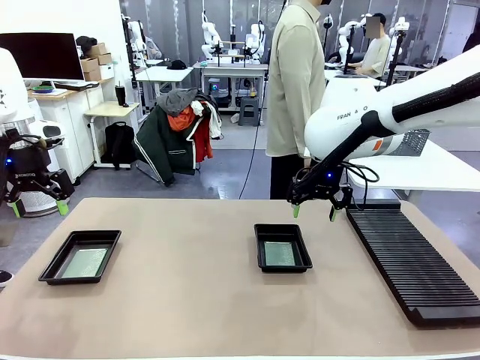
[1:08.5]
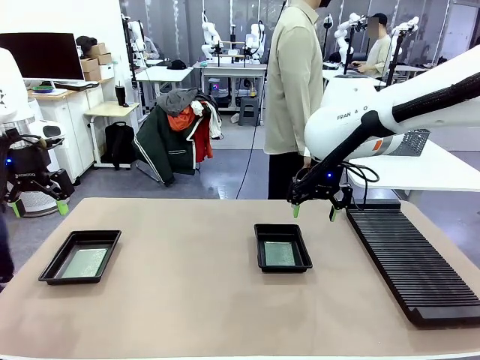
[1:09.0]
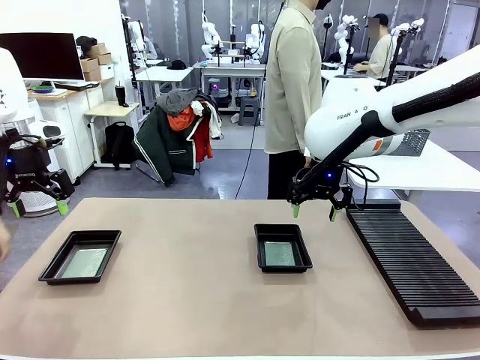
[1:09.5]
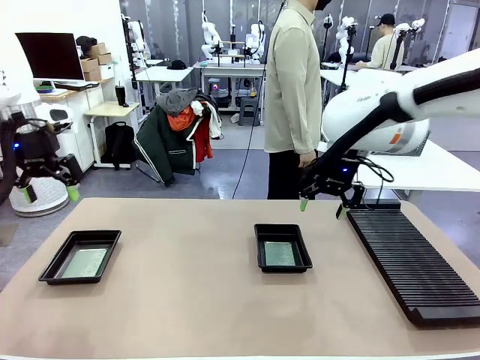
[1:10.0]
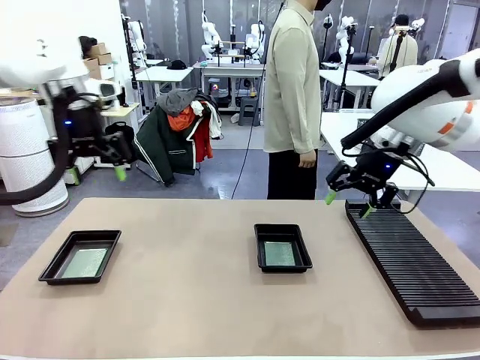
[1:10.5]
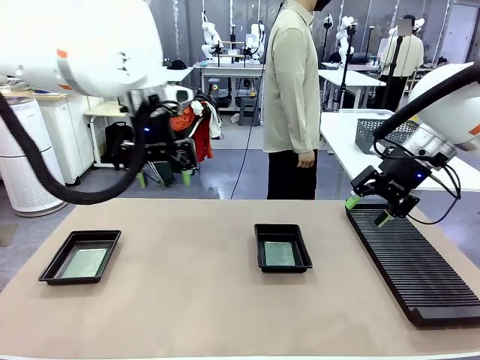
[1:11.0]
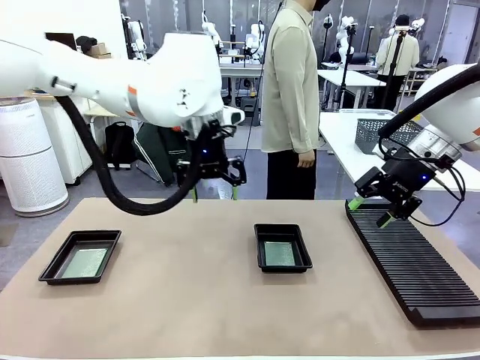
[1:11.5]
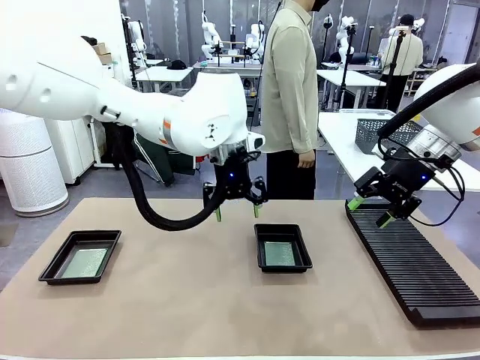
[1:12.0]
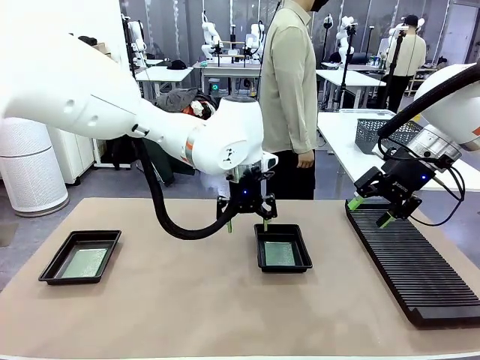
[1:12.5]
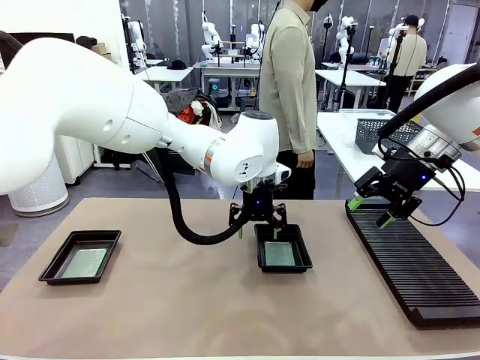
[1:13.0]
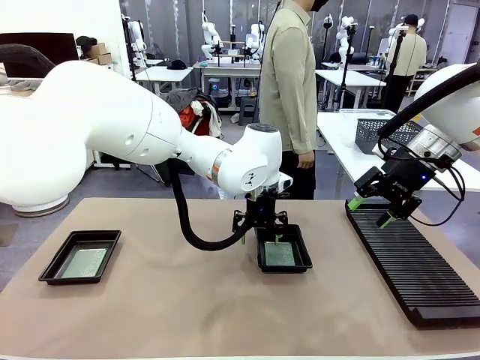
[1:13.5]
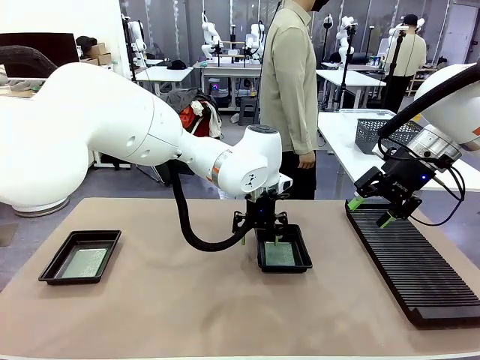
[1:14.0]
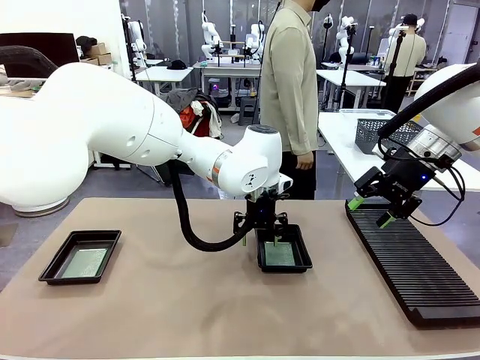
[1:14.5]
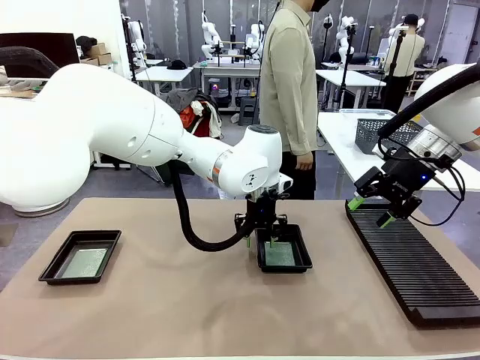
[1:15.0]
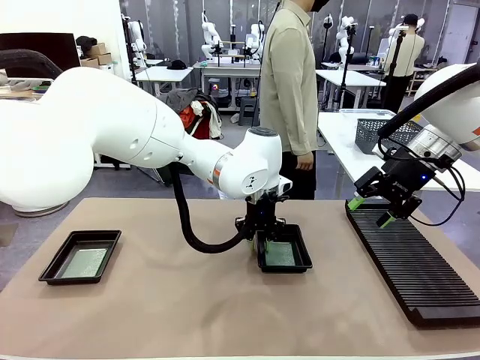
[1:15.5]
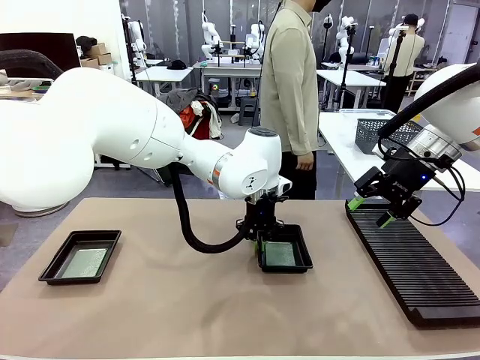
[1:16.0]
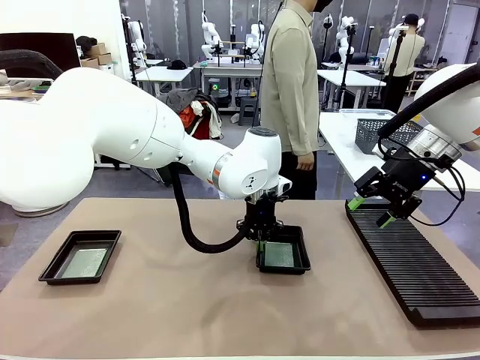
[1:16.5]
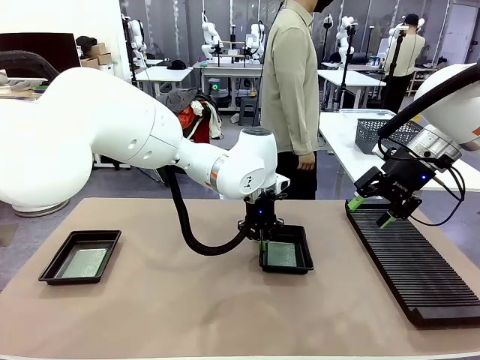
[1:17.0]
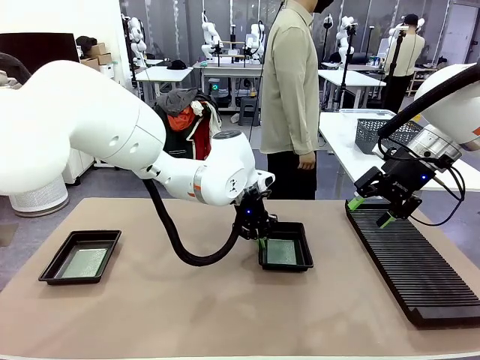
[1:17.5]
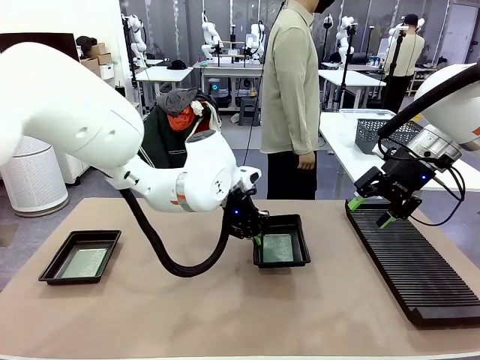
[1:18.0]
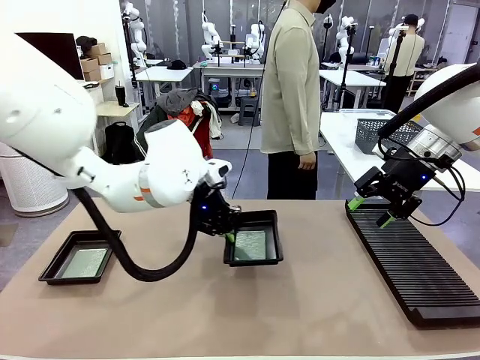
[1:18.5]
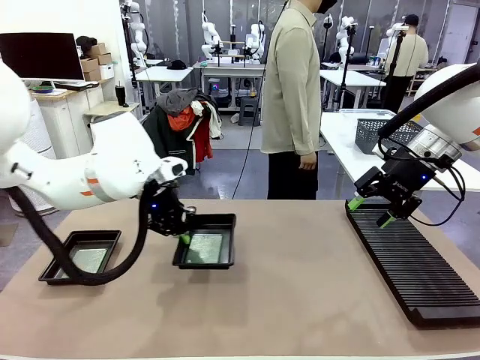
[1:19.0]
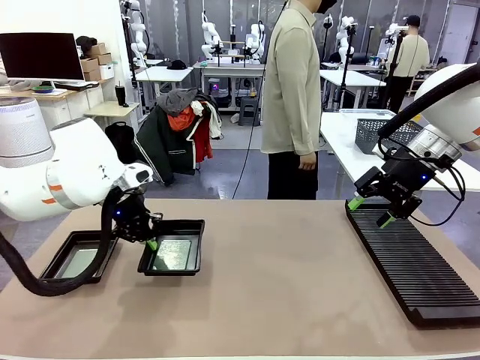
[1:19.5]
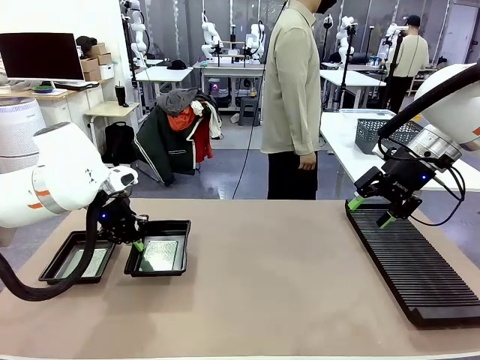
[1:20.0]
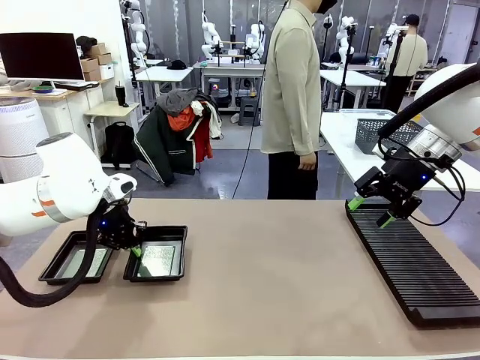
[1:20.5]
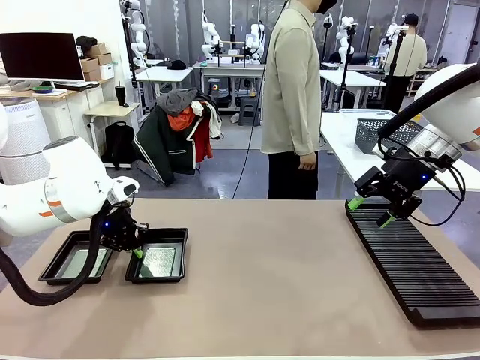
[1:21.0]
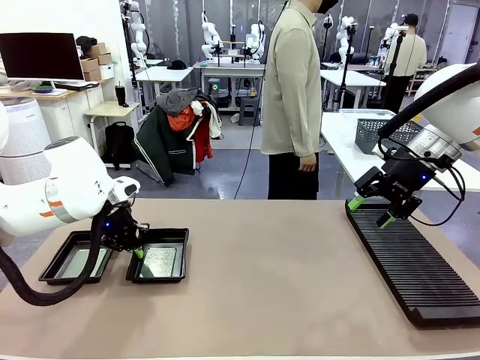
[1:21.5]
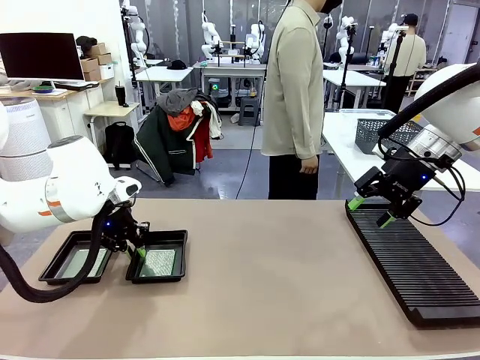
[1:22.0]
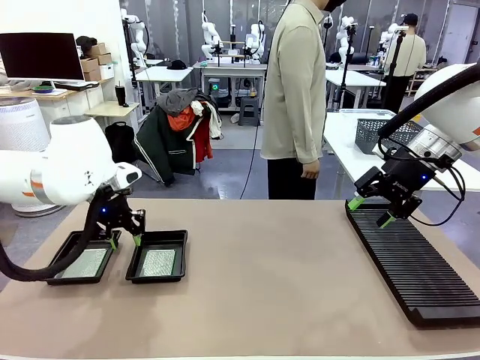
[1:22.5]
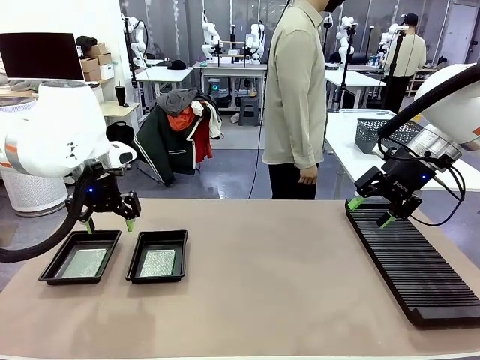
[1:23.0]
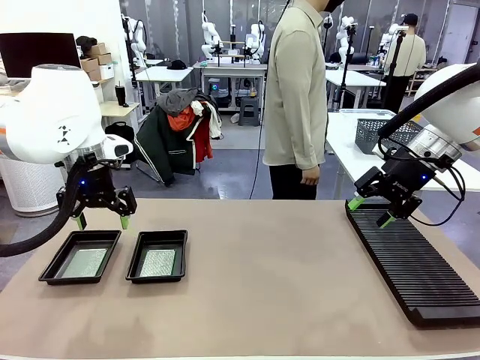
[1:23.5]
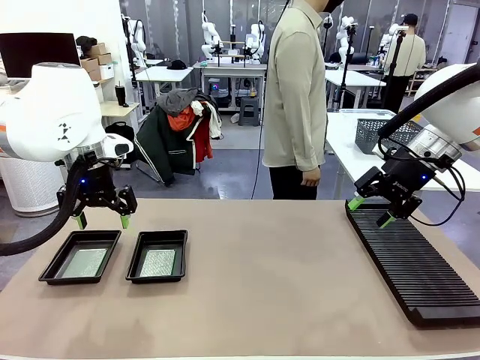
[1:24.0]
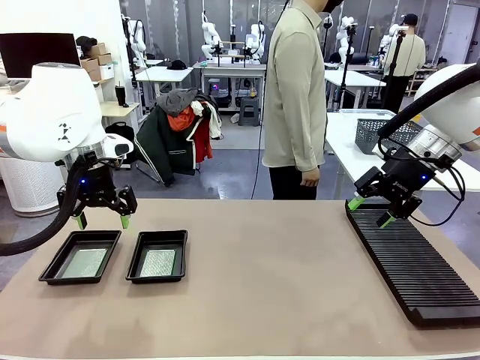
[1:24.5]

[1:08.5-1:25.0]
Task: Inspect and transfer BCBs to ESD trays.
Robot: Pick up the ESD tray and place it on the left side of the table.

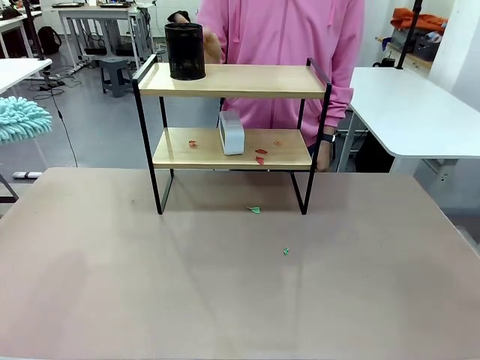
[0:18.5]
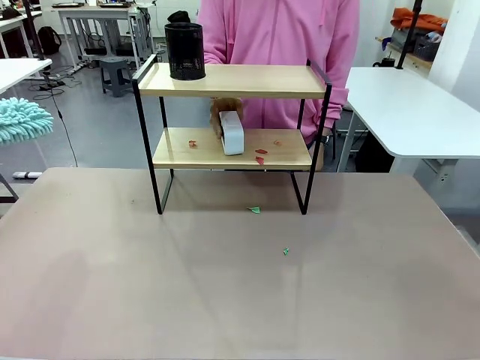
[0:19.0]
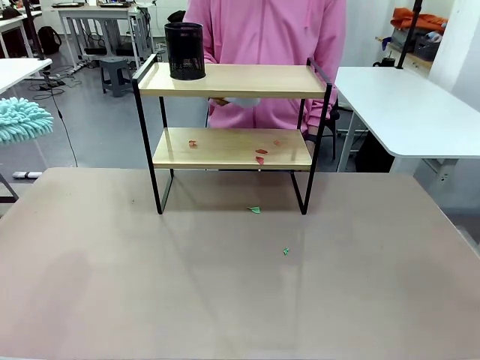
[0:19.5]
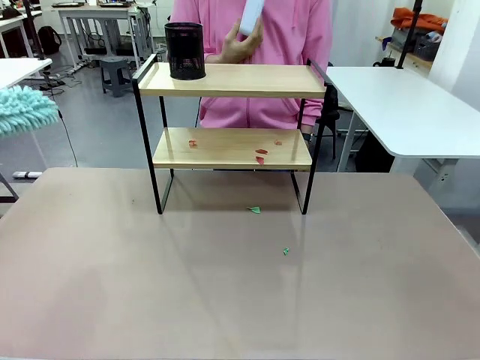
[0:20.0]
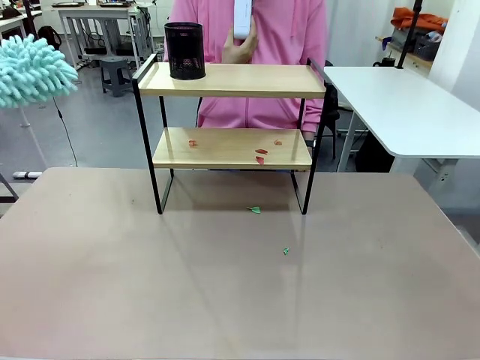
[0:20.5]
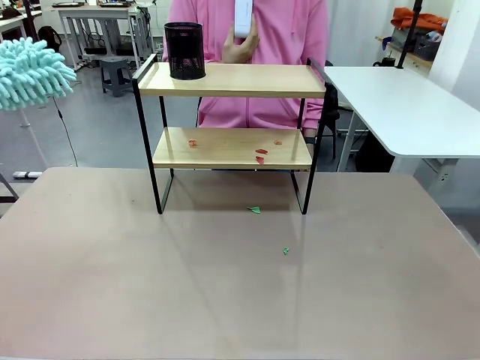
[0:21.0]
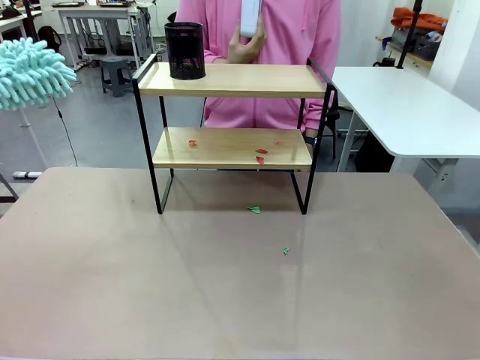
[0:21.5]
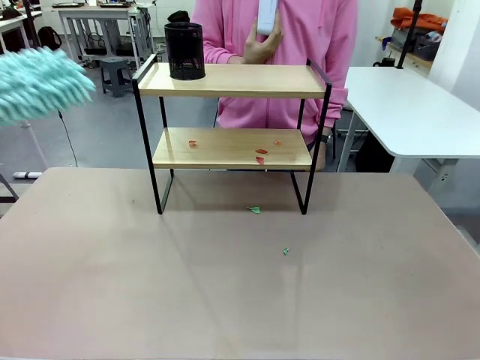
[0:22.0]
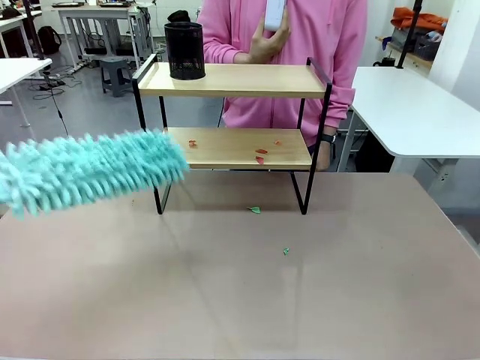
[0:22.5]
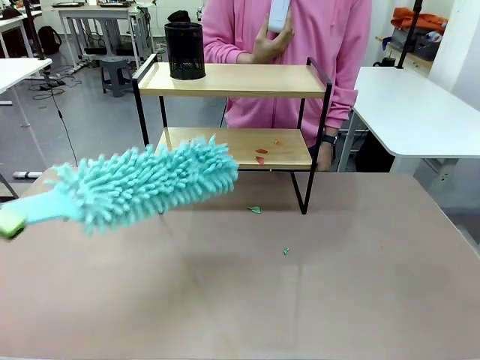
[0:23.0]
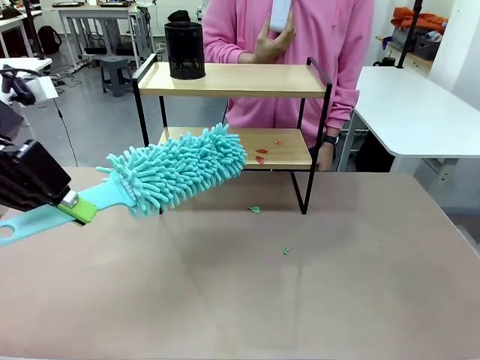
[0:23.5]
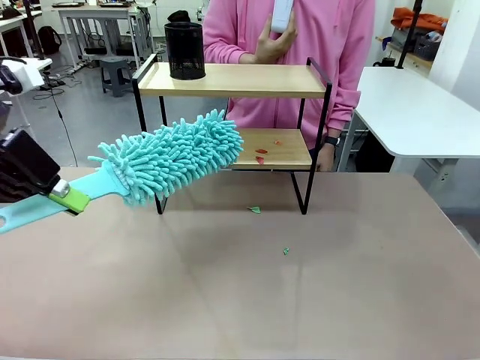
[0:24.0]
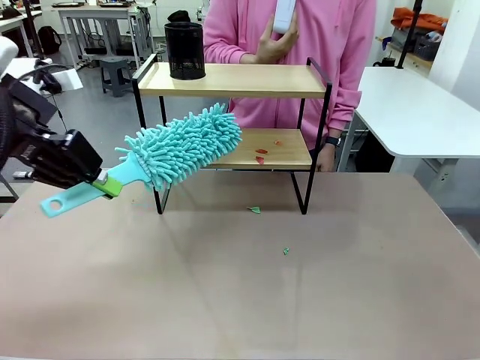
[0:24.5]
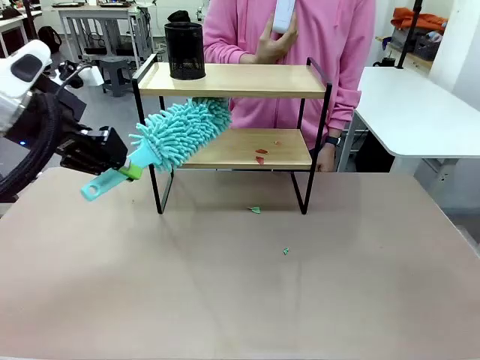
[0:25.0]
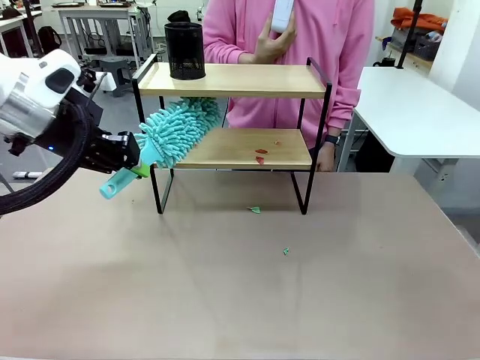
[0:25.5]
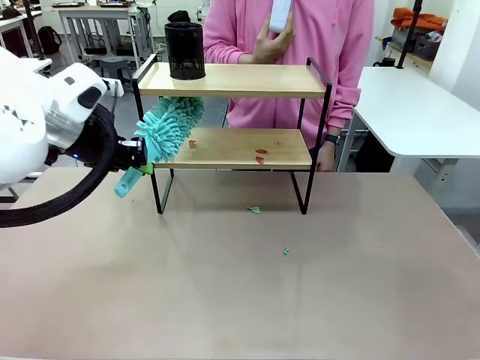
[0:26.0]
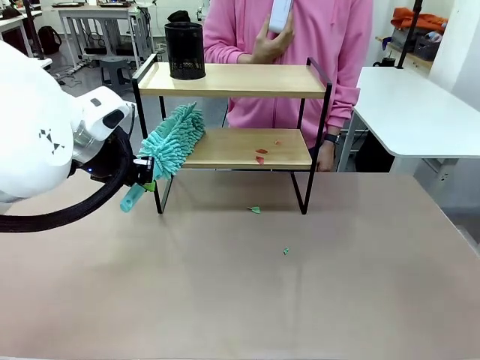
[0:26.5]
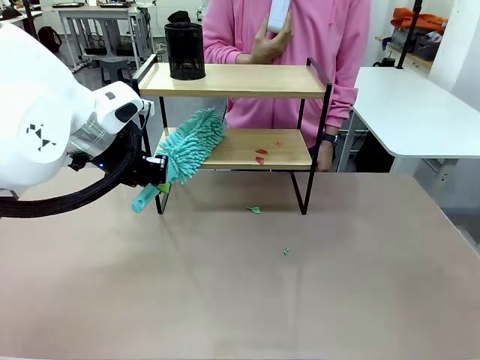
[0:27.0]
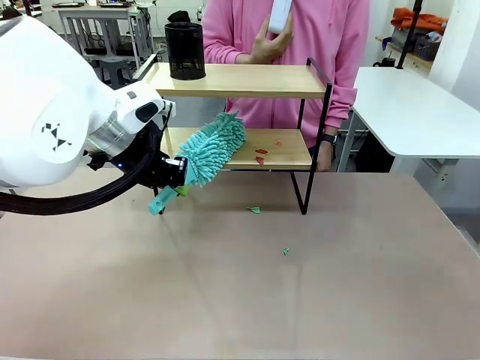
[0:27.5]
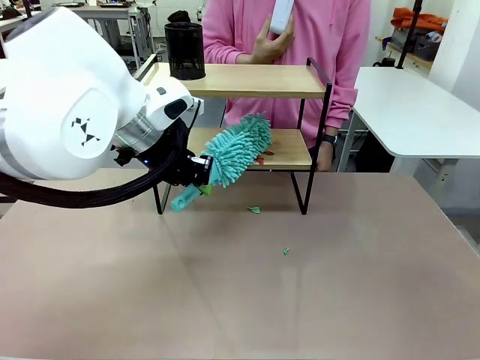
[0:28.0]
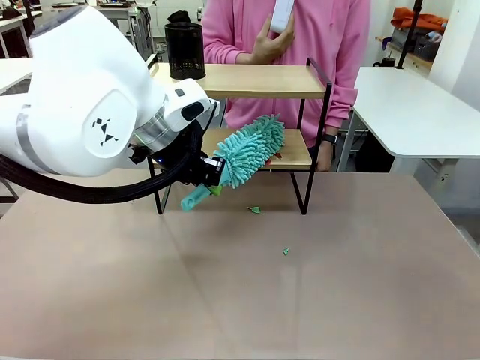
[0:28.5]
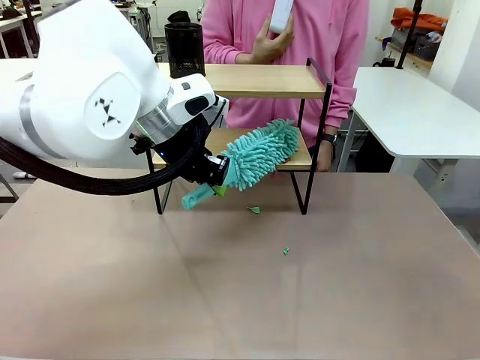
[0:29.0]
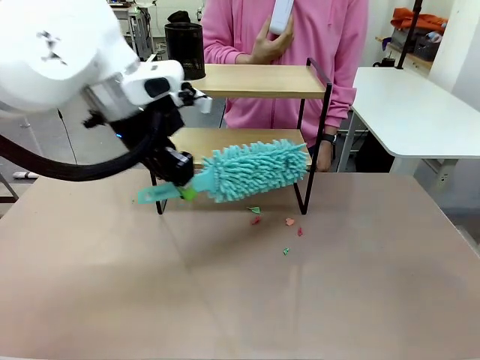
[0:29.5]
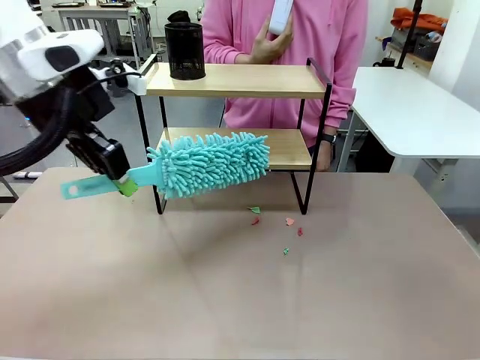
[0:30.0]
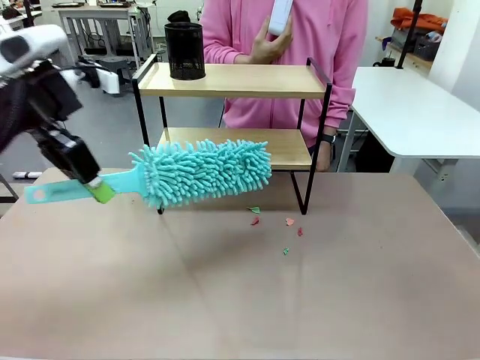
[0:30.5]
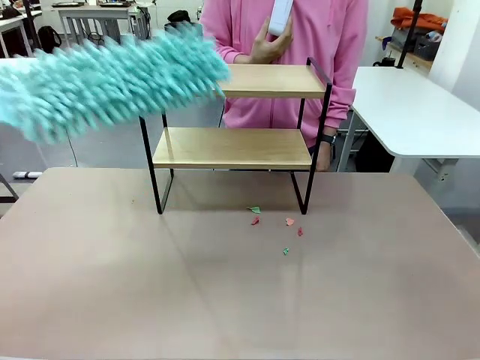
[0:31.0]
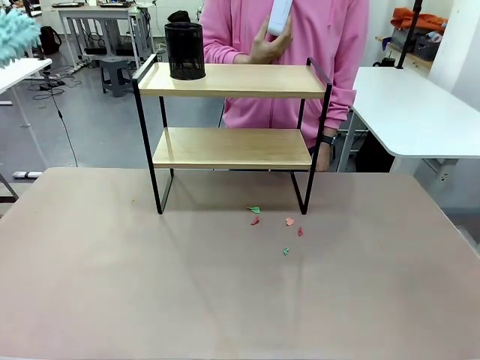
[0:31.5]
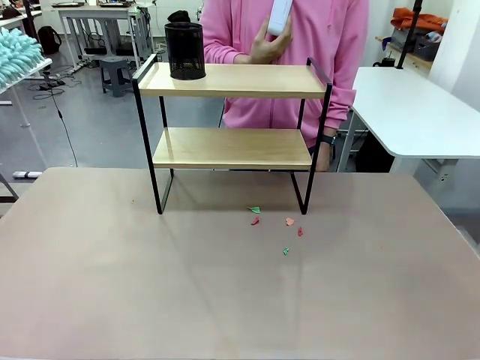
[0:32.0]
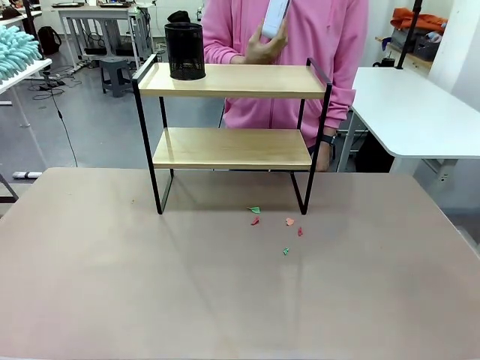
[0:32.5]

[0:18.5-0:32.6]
Task: Clean the shelf.
Robot: Clean the remaining tier of the Shelf with the Duster once objects are removed.
